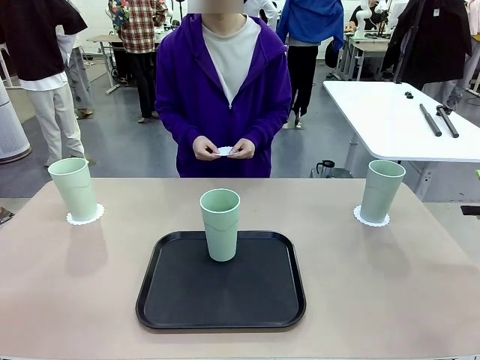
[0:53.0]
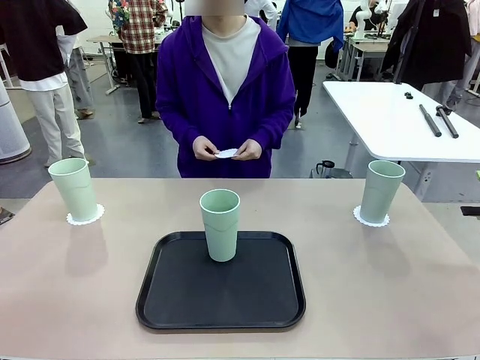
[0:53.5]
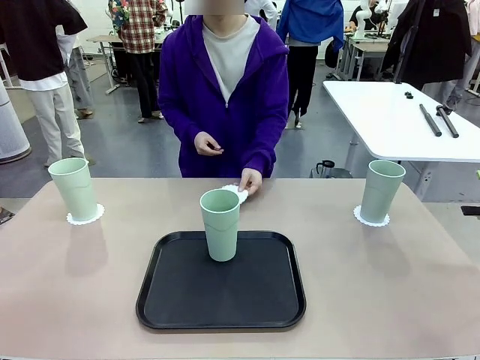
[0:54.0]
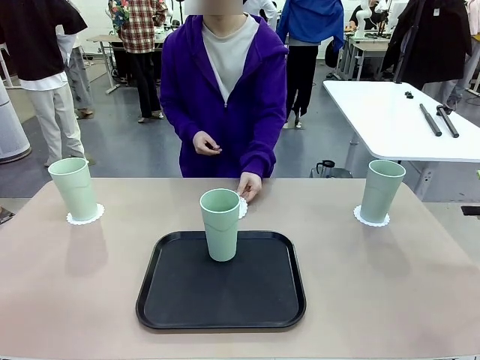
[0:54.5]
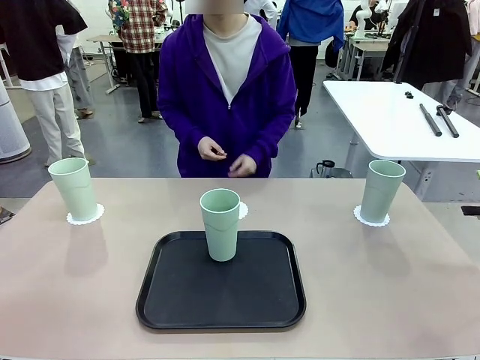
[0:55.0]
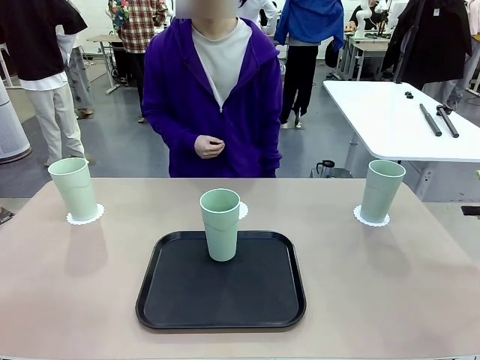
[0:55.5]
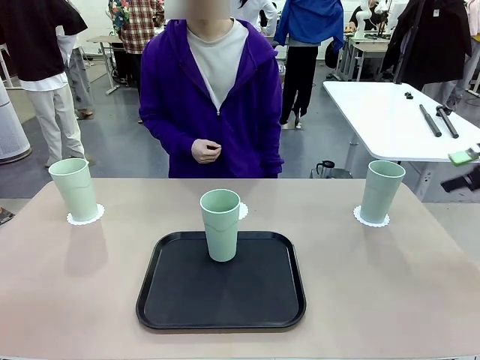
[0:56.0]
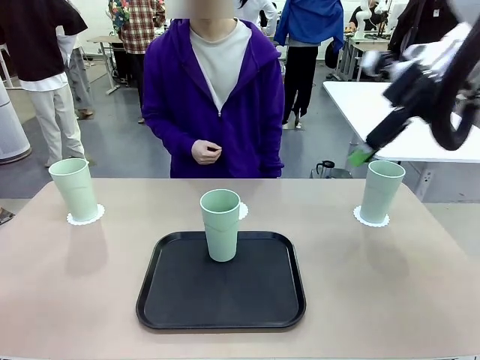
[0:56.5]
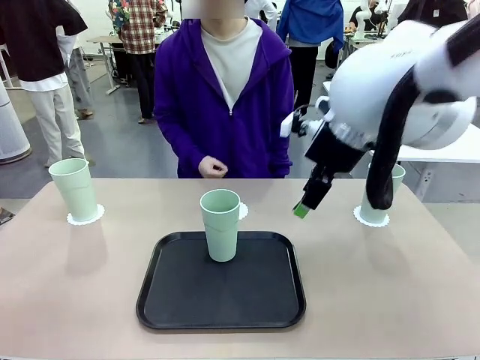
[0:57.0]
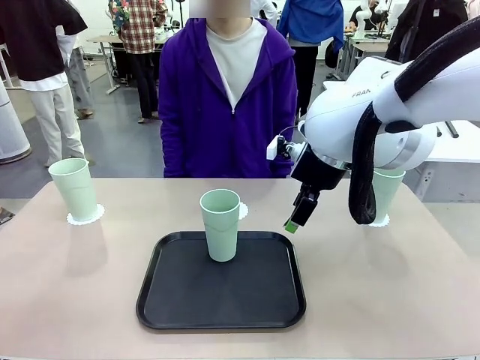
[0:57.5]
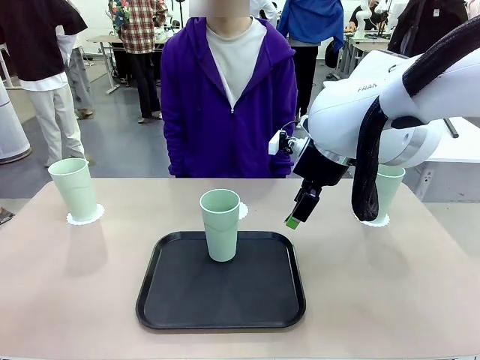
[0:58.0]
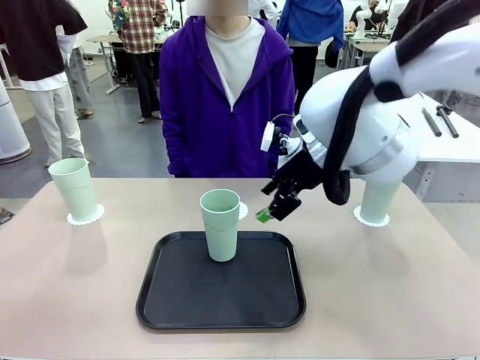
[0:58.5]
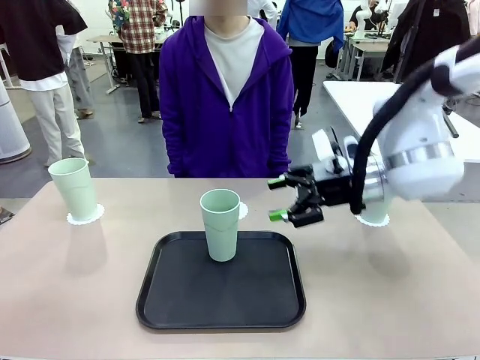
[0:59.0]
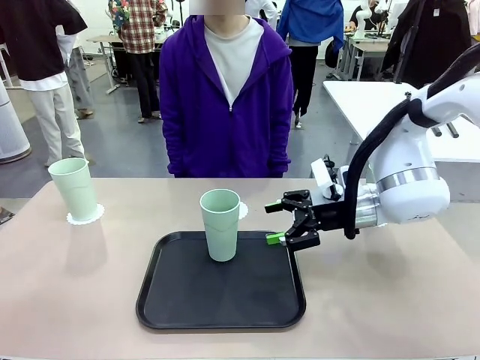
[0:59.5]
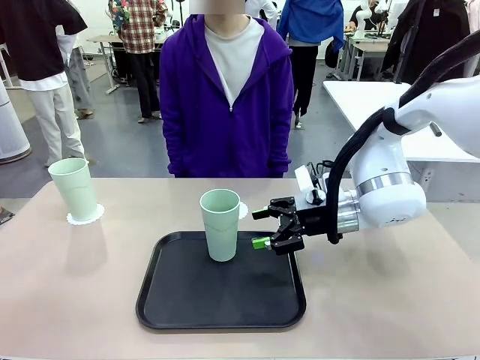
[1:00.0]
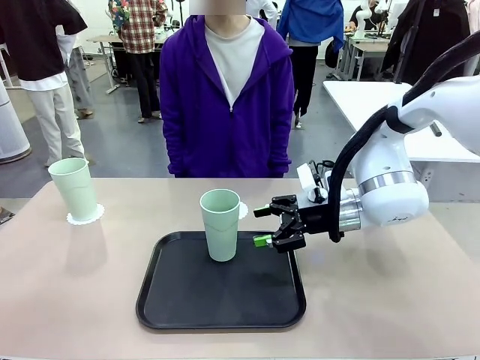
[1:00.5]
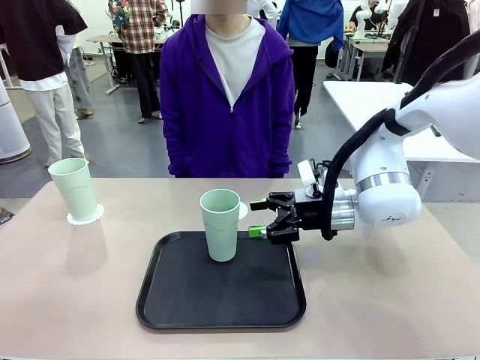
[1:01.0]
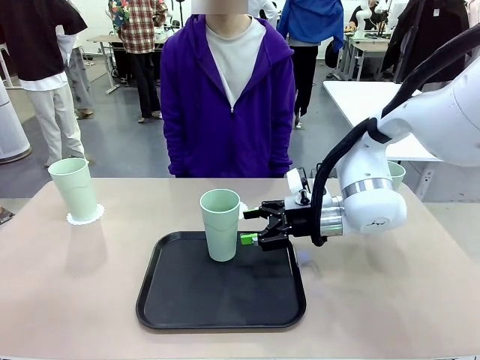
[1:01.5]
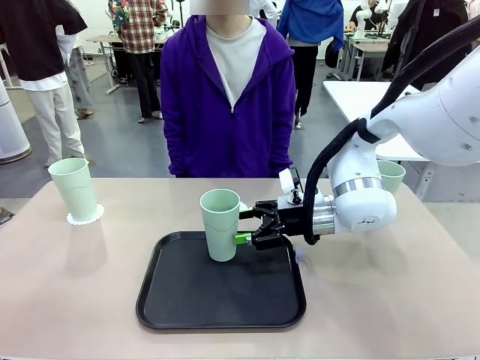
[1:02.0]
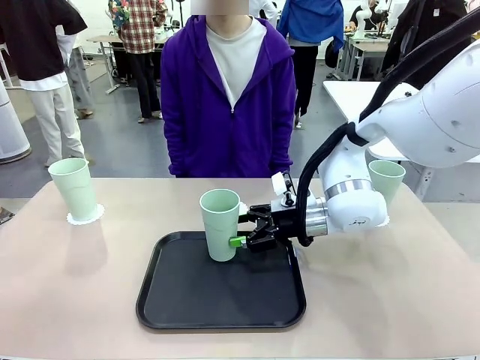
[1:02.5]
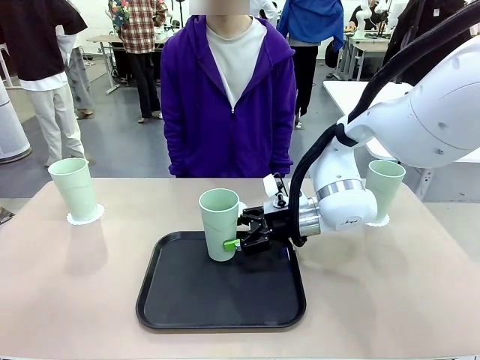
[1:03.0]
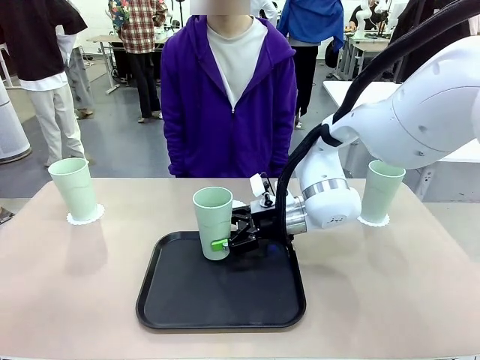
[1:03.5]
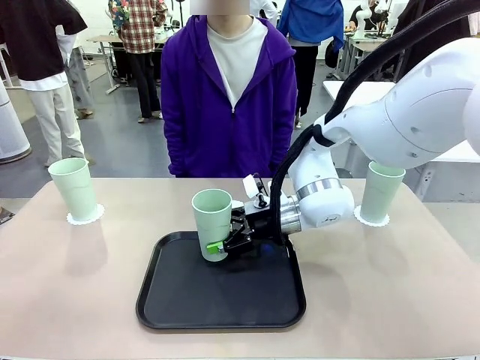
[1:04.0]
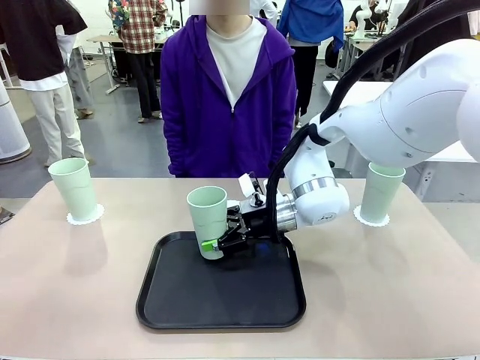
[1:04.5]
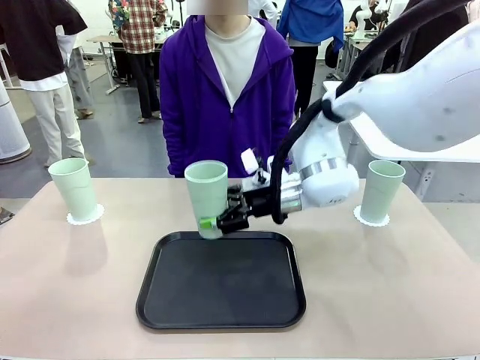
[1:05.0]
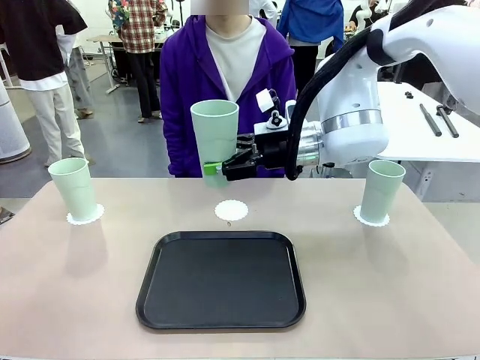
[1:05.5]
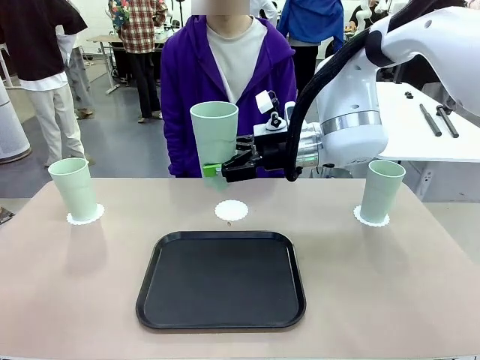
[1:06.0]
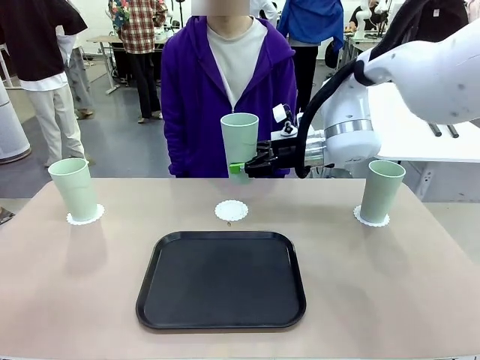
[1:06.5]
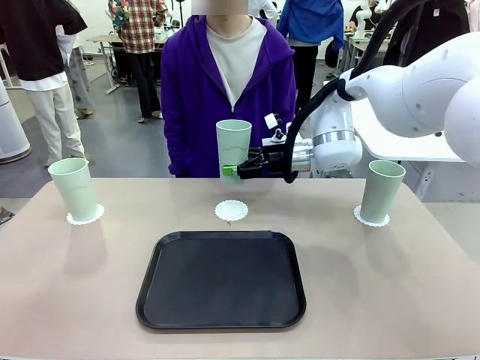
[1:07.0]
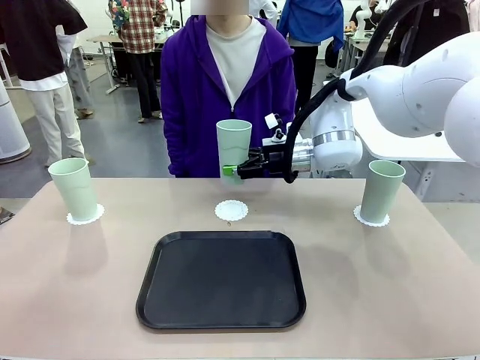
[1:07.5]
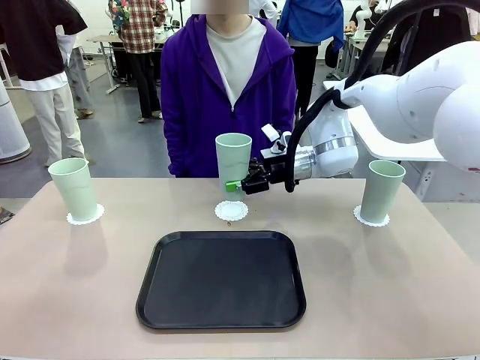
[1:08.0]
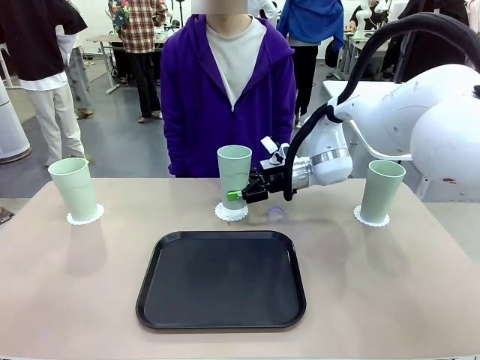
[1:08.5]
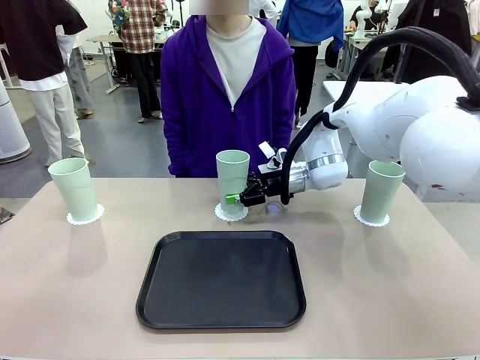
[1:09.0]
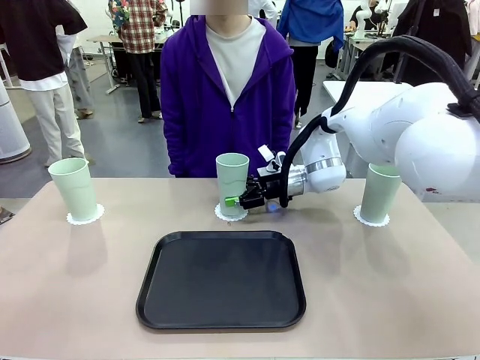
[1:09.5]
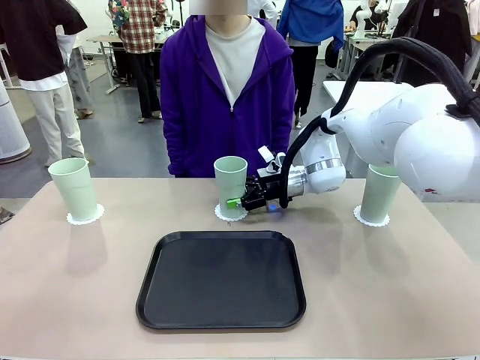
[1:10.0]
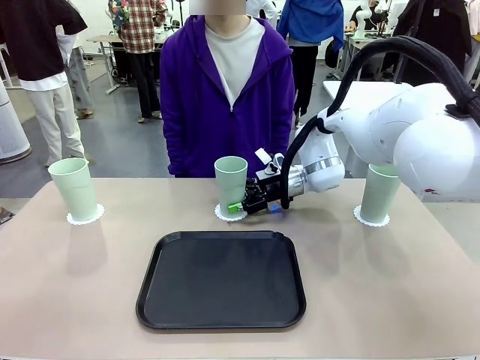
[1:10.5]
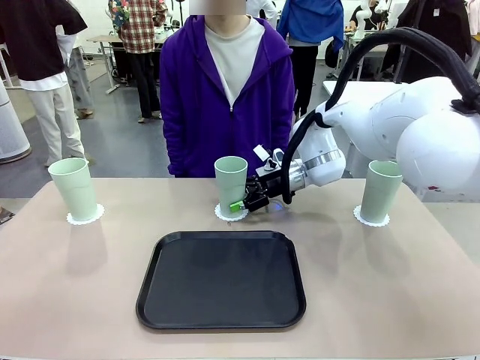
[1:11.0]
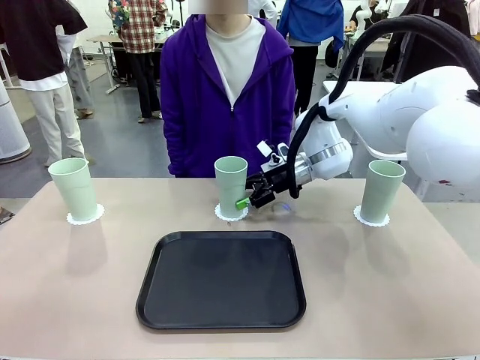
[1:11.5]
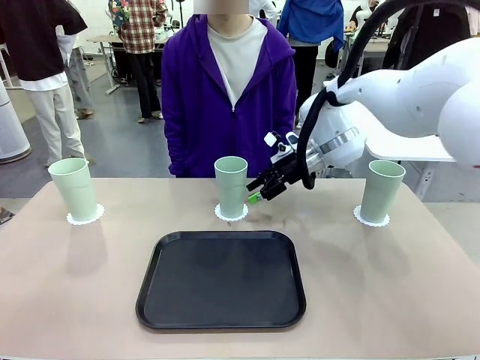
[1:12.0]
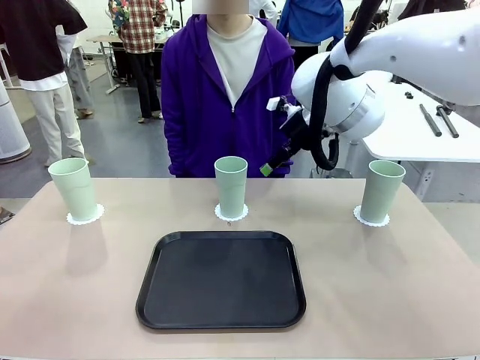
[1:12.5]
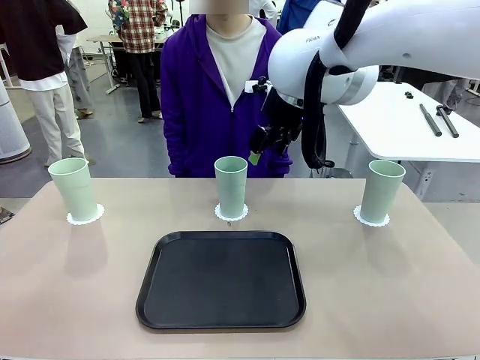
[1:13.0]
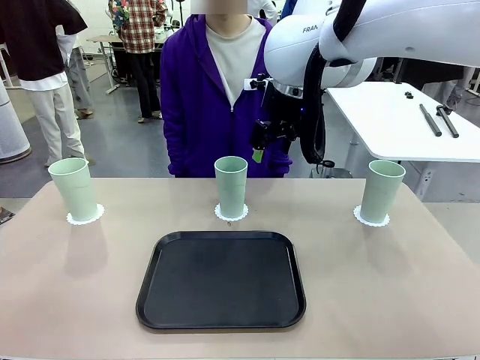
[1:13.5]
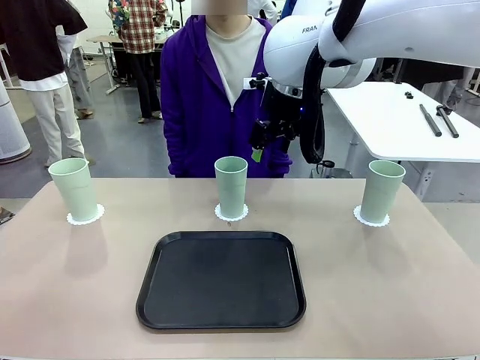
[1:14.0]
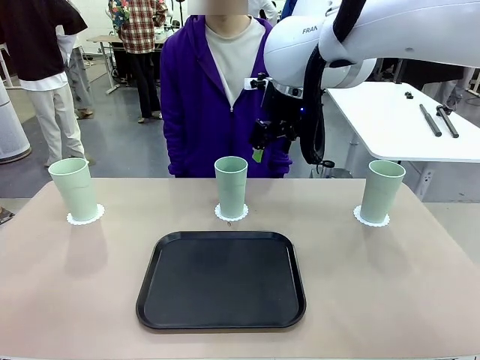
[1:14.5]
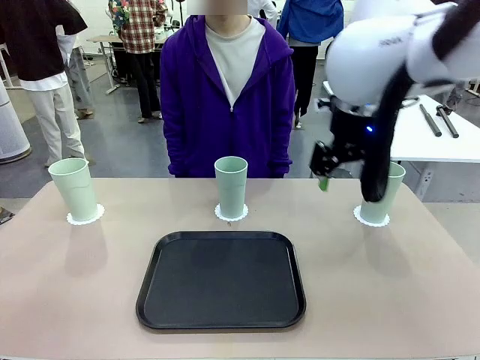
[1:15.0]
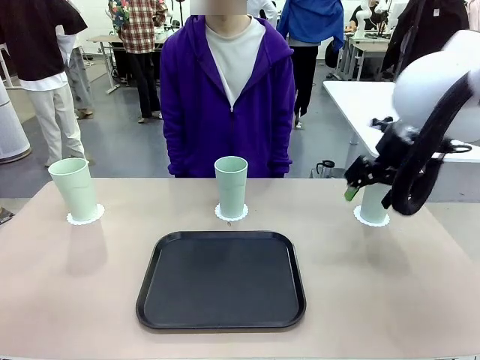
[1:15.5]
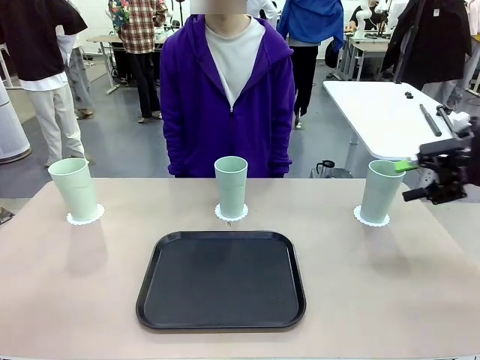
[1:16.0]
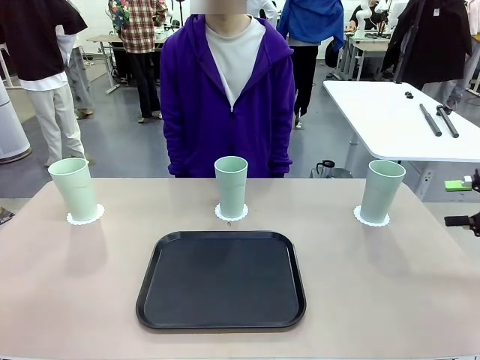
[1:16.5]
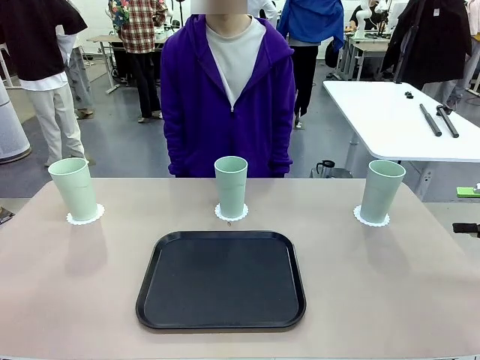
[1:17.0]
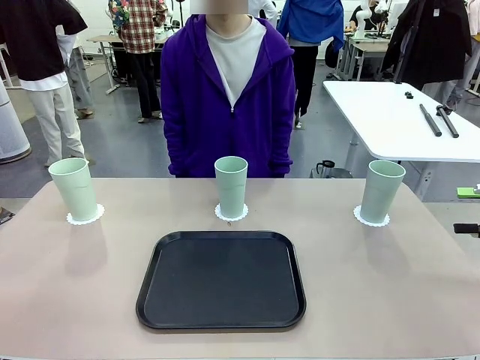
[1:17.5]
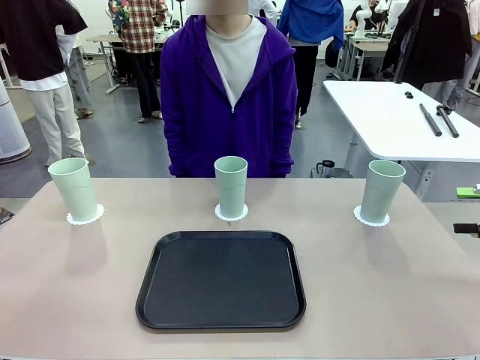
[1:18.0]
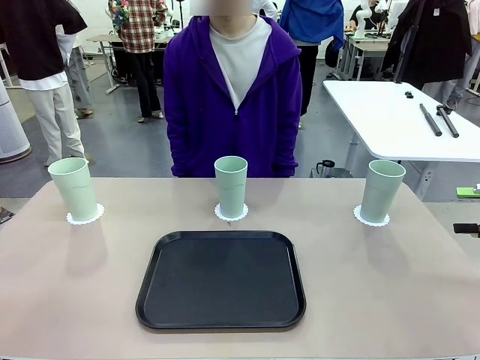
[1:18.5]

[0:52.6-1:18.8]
Task: Place coasters on the table and set cups on them.
Robot: Take one Reusable plastic cup from the Flat Tray and place it on a coaster set by the human.
Person: Place one coaster in the only remaining area.
